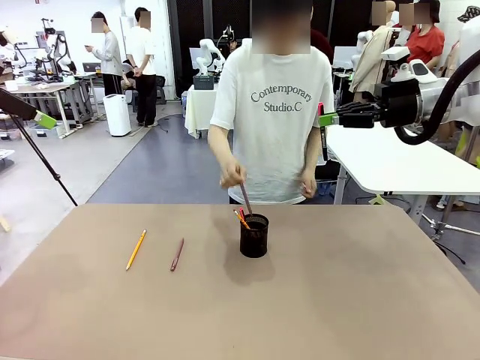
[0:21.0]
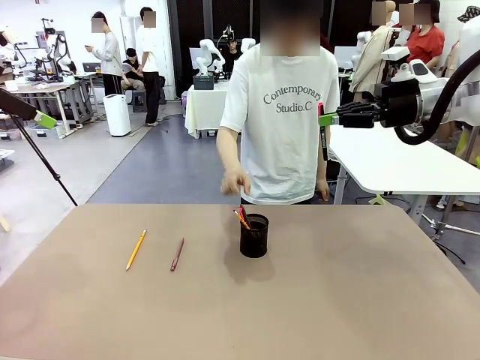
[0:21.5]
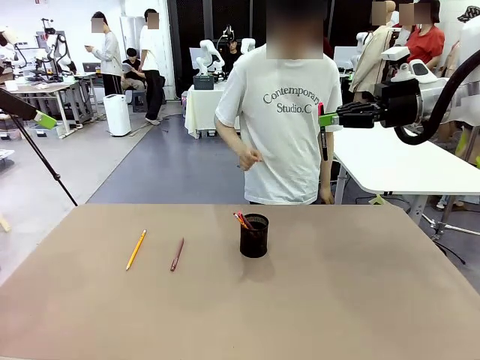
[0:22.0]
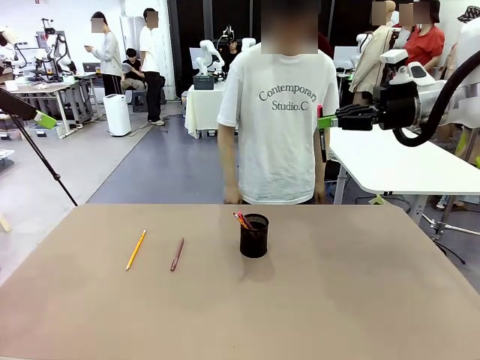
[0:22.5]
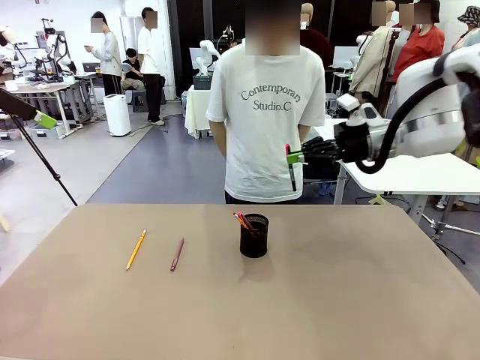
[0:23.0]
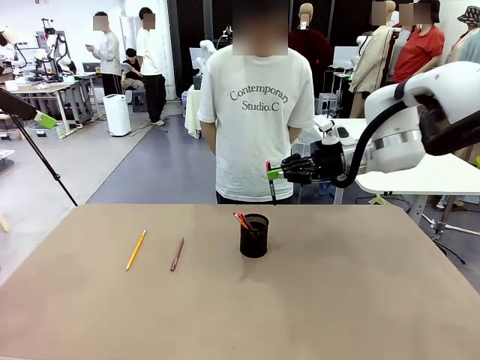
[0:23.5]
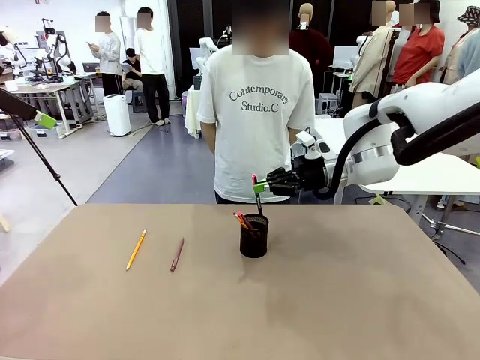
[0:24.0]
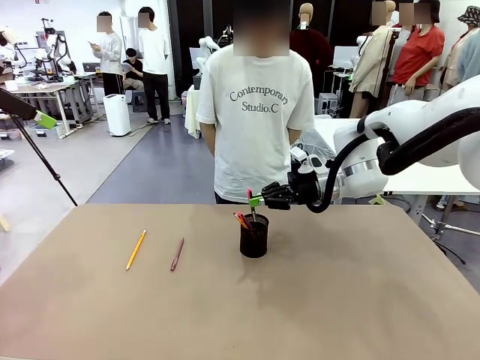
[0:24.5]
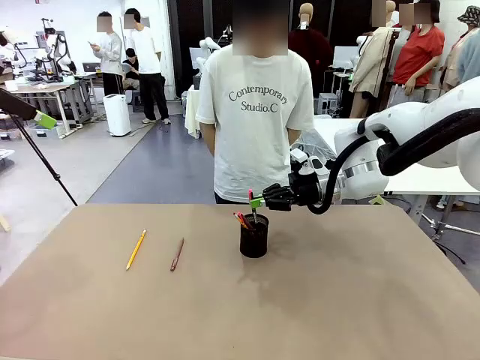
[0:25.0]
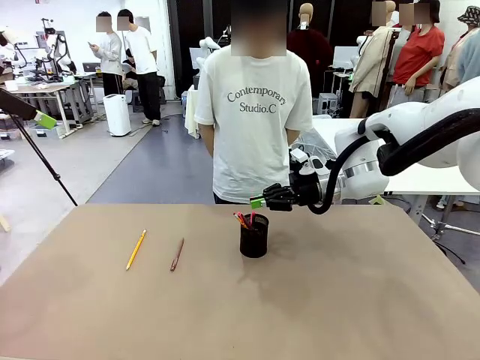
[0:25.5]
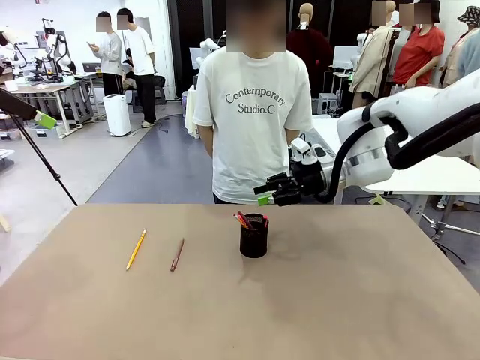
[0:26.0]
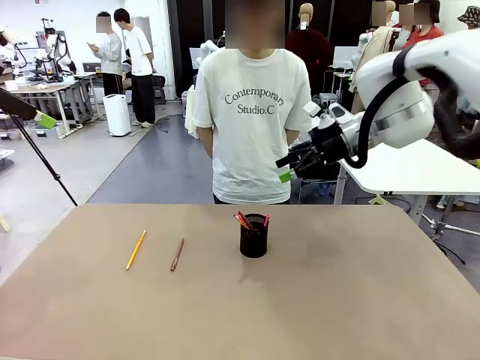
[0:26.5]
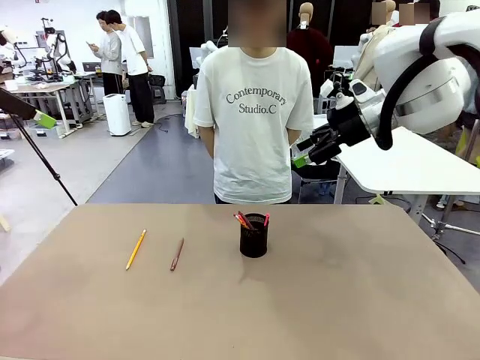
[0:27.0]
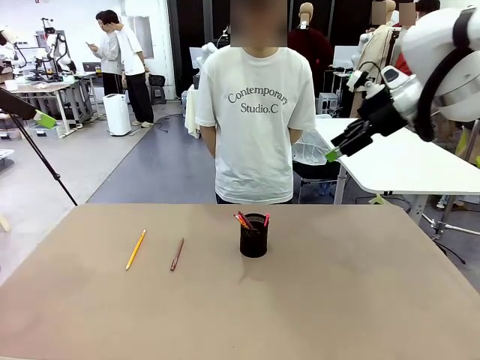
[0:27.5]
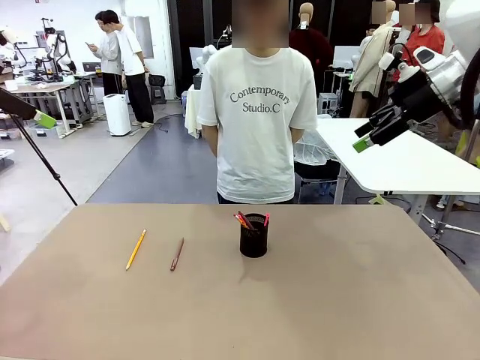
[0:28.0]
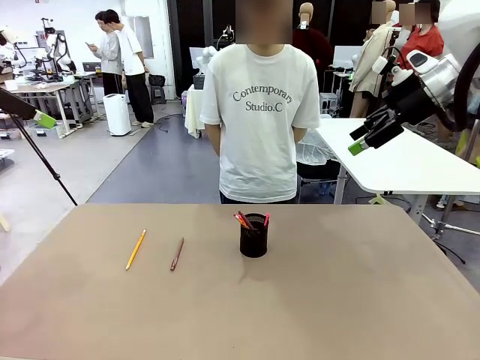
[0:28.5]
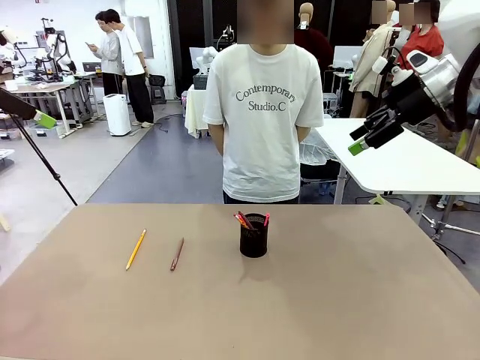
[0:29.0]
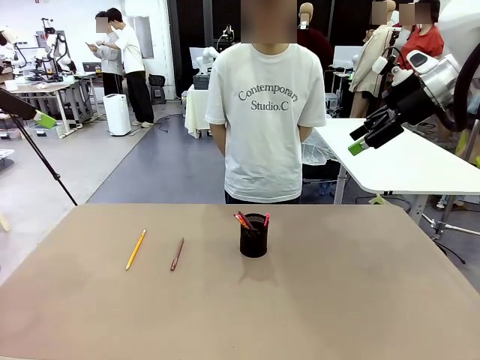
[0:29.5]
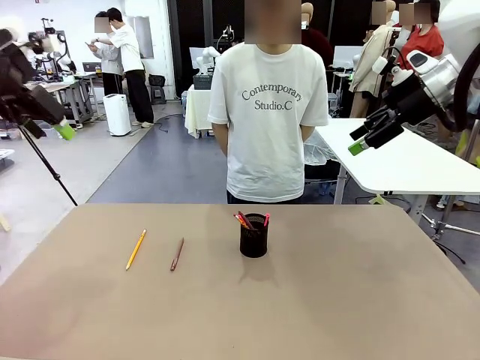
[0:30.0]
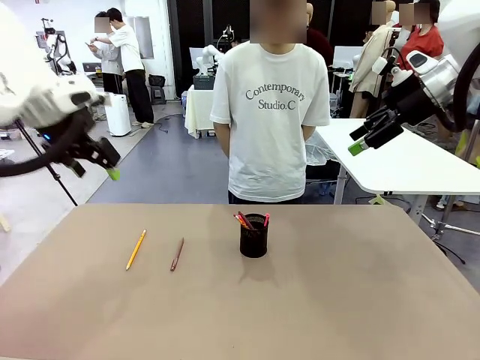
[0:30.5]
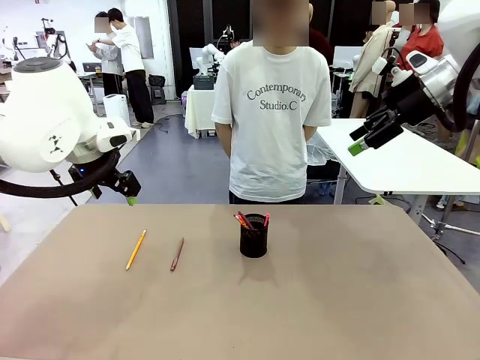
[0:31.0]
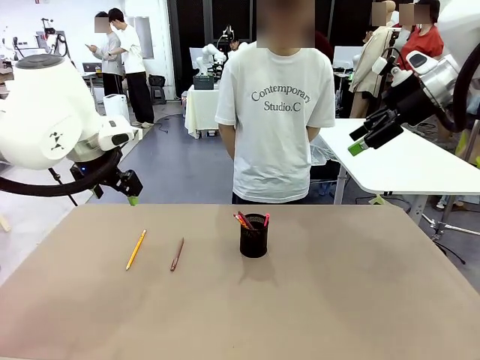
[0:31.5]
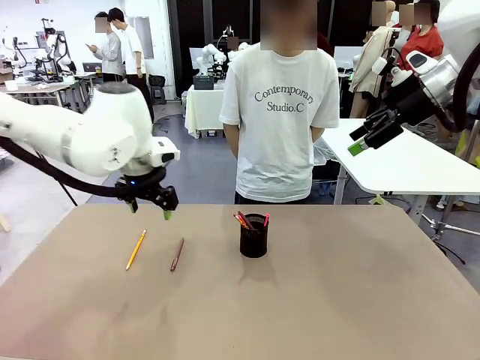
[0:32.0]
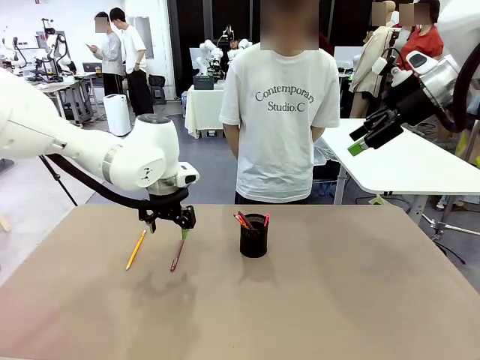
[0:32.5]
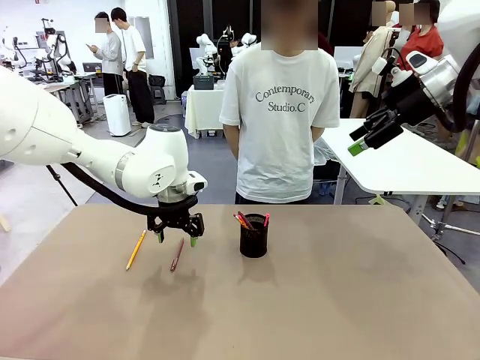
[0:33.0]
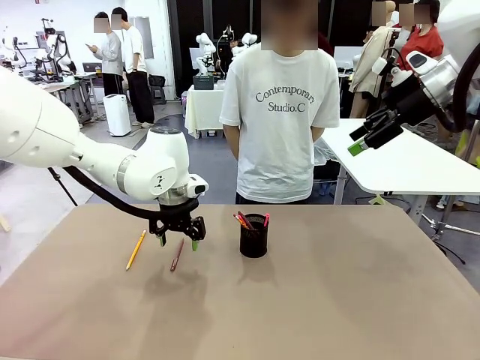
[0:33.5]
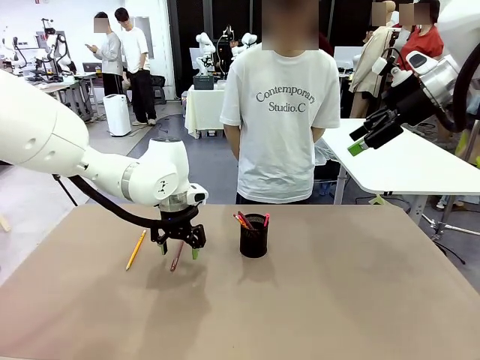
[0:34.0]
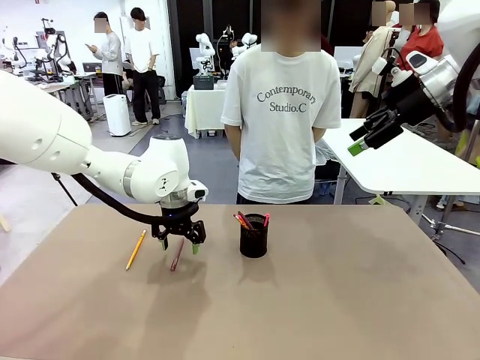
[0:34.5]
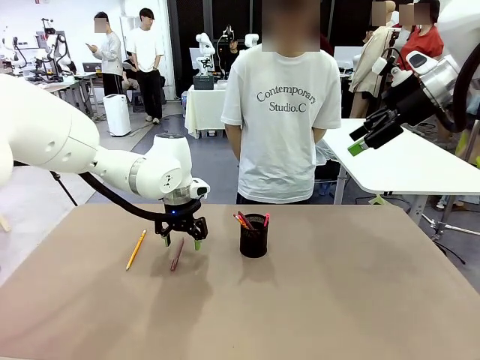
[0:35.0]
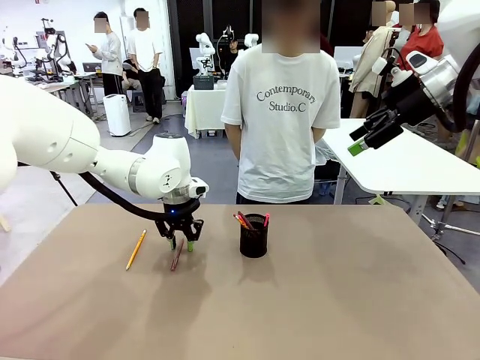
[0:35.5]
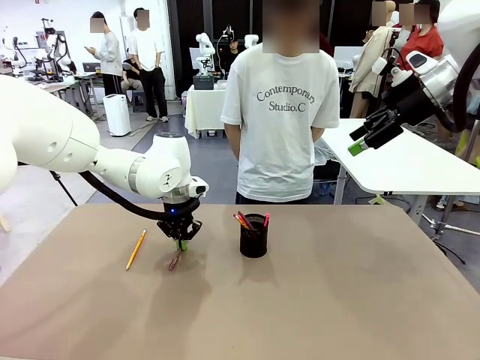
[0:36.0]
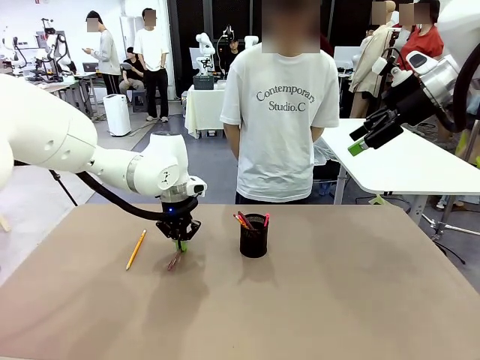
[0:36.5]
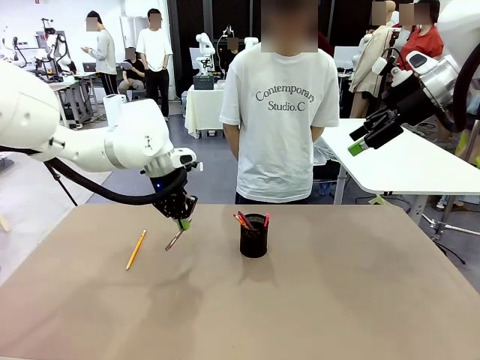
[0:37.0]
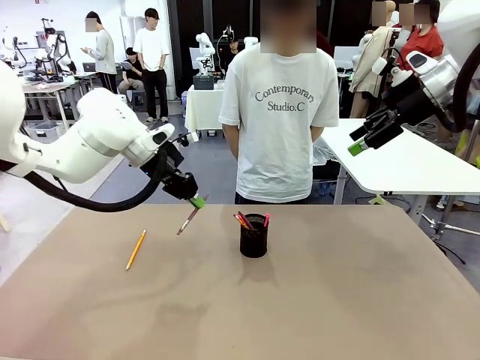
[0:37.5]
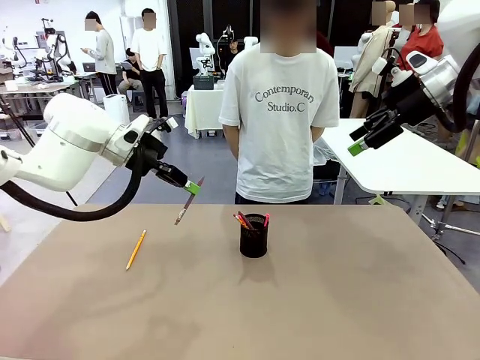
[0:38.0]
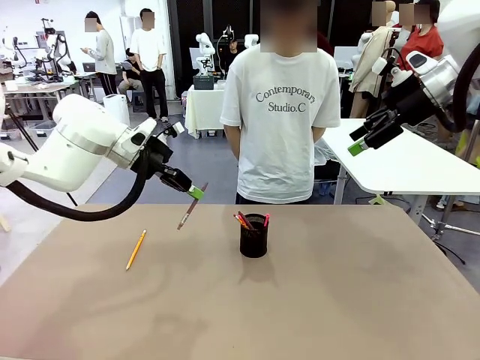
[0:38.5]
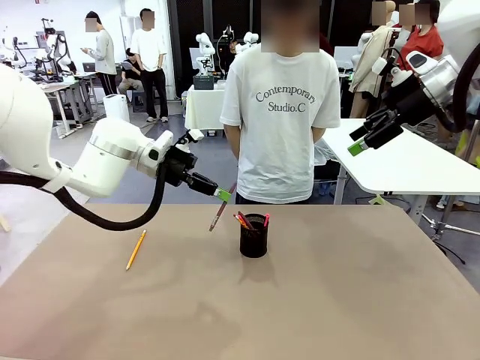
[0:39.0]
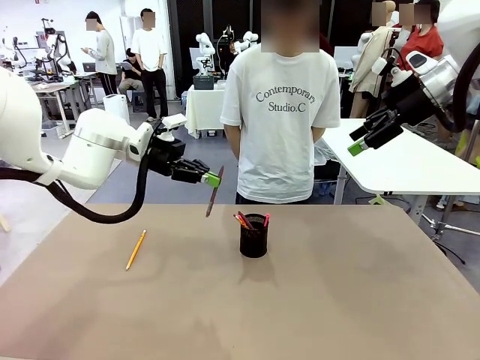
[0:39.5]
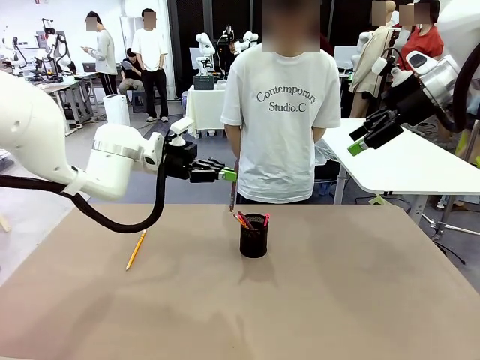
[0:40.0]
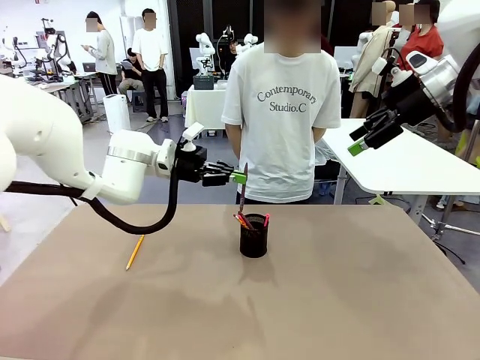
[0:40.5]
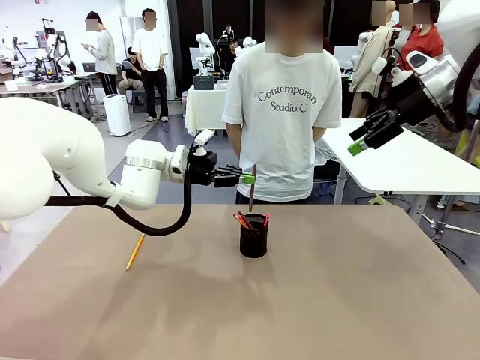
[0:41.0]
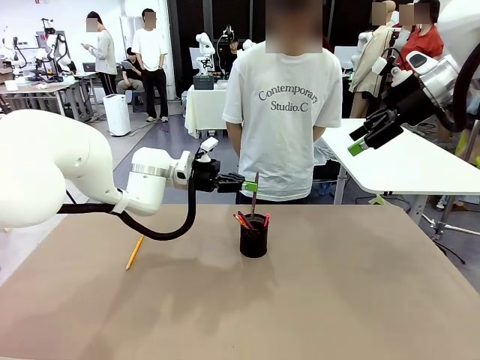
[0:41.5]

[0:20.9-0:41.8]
Task: Place the pens into the pen holder.
Robot: Pick up a writing instrument from the table and place it into the Pen holder.

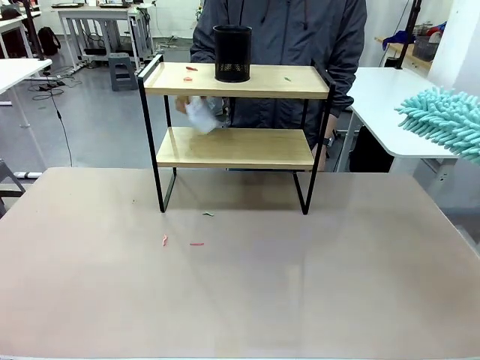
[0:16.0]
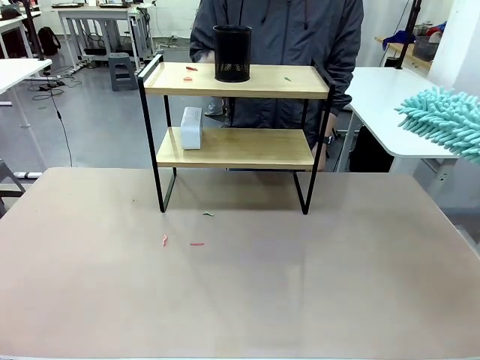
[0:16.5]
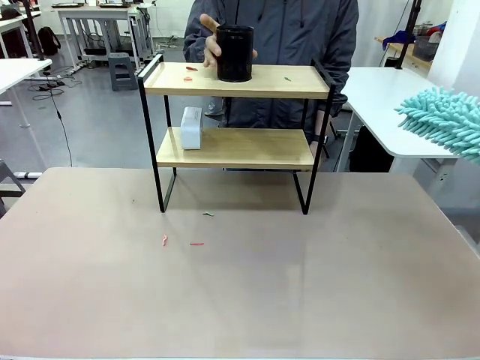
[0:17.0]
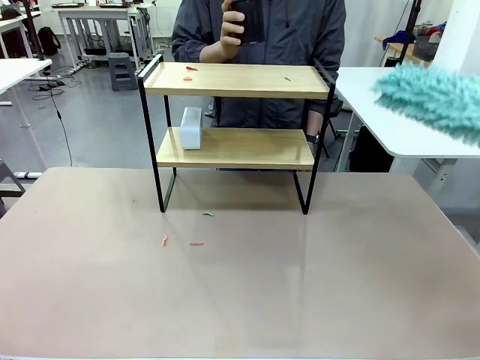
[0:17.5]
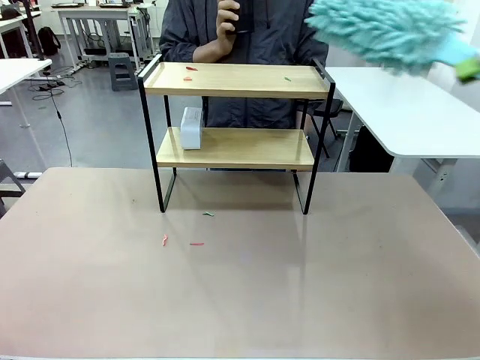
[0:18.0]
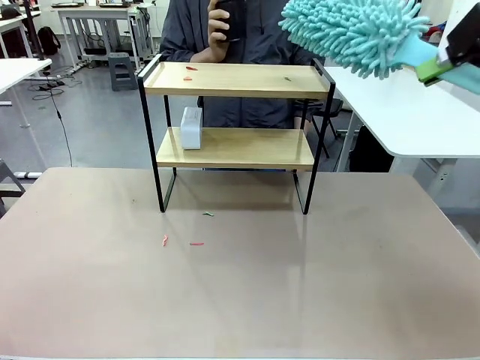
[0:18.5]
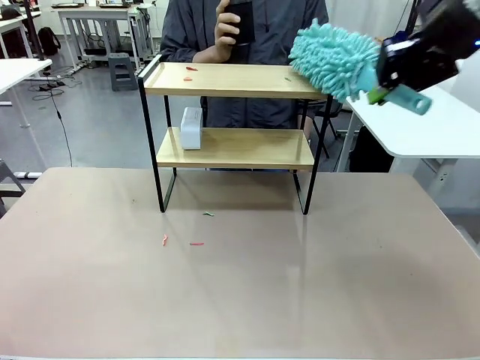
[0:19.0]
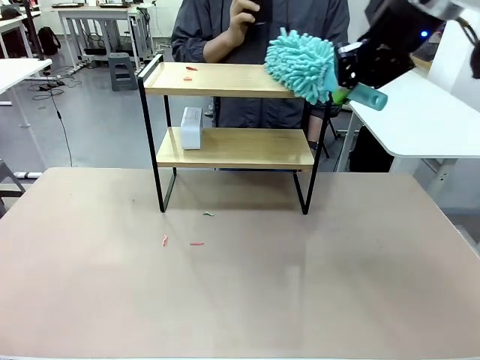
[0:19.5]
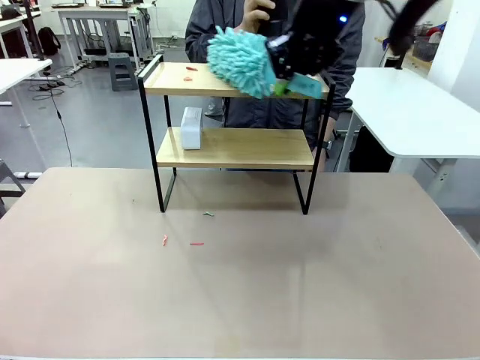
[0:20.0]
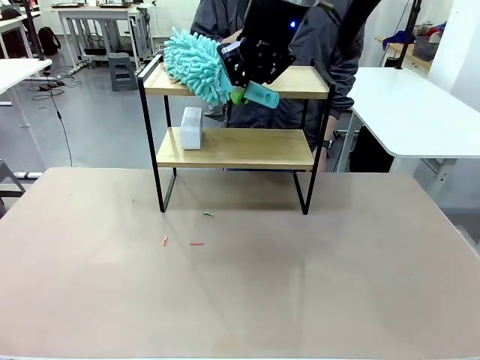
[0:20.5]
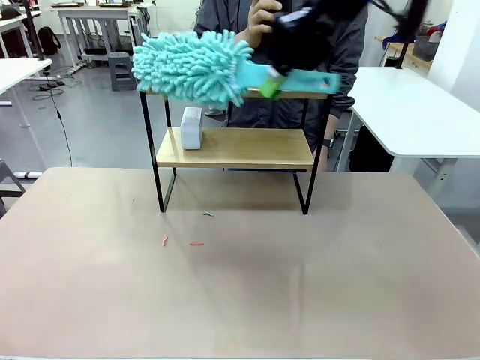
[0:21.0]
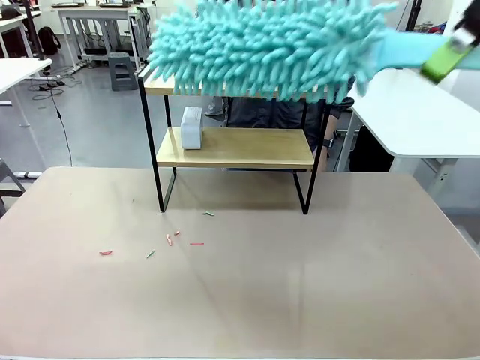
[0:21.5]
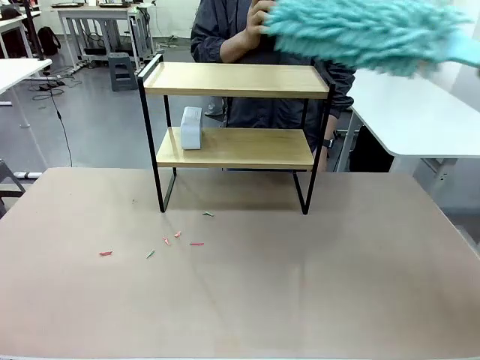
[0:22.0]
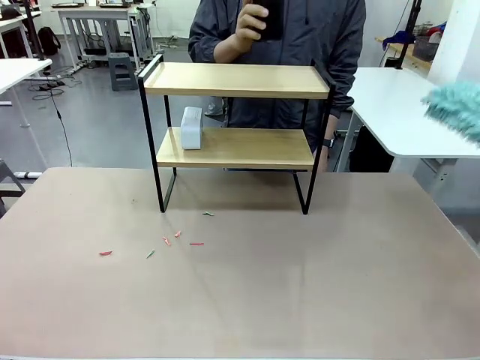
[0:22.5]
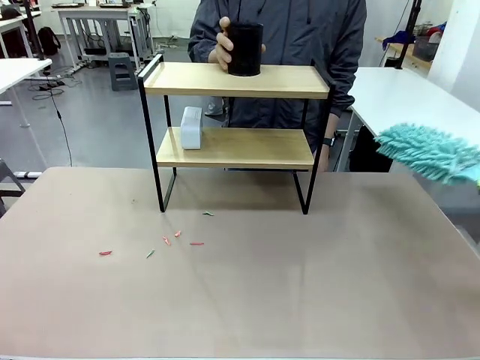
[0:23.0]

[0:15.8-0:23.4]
Task: Clean the shelf.
Robot: Clean the remaining tier of the Shelf with the Duster once objects are removed.
